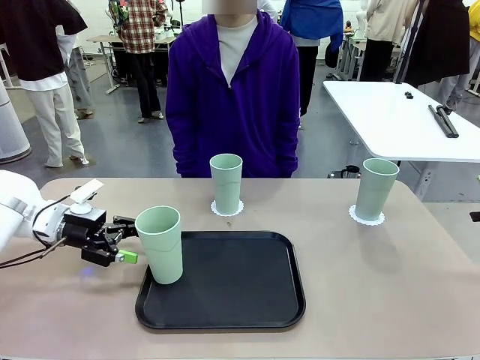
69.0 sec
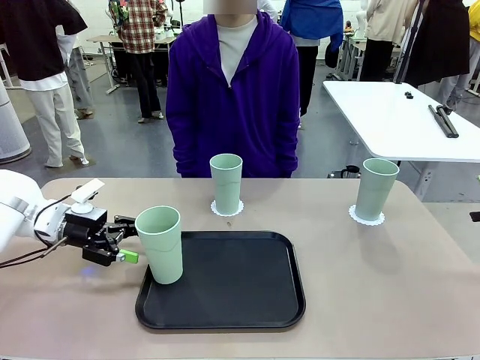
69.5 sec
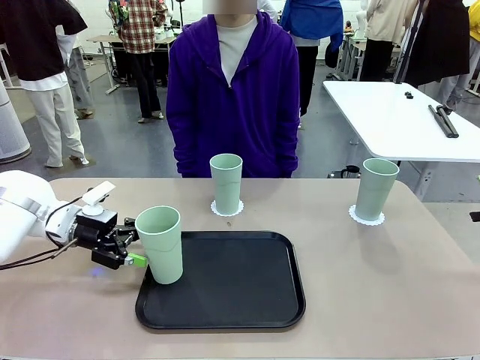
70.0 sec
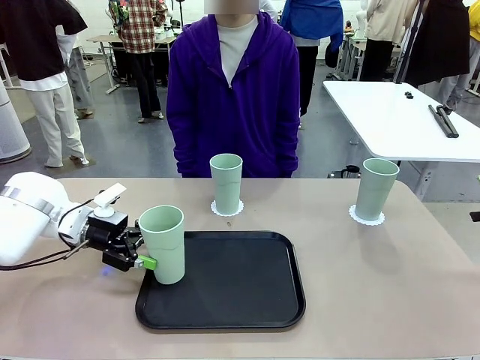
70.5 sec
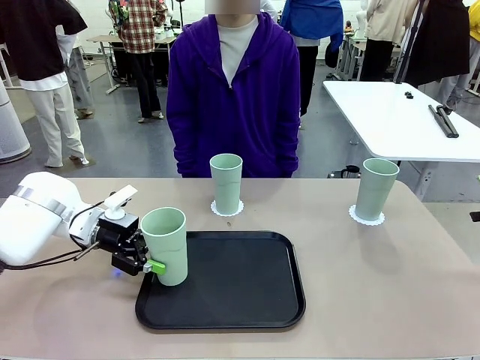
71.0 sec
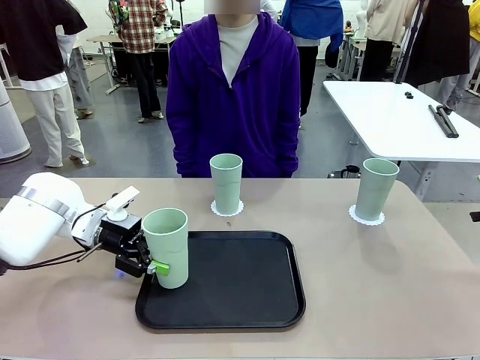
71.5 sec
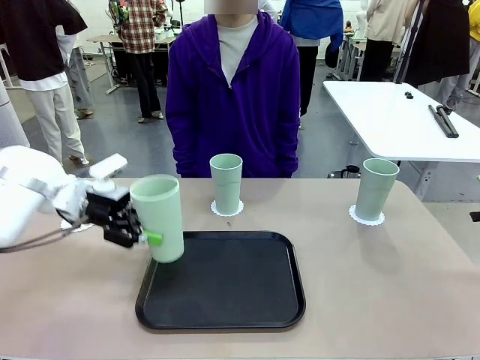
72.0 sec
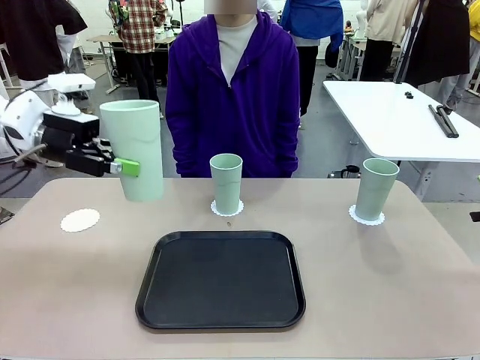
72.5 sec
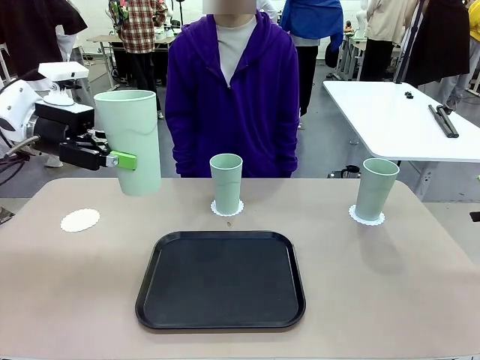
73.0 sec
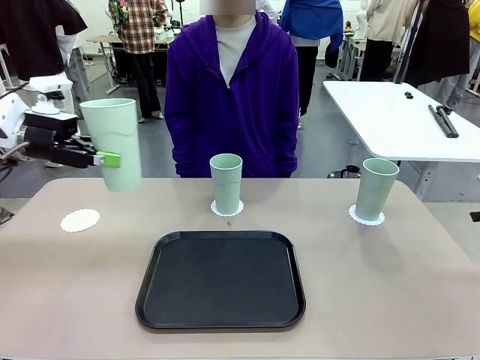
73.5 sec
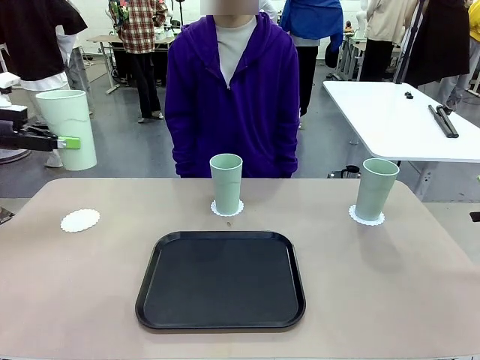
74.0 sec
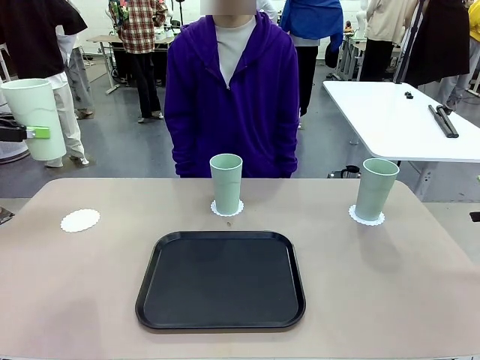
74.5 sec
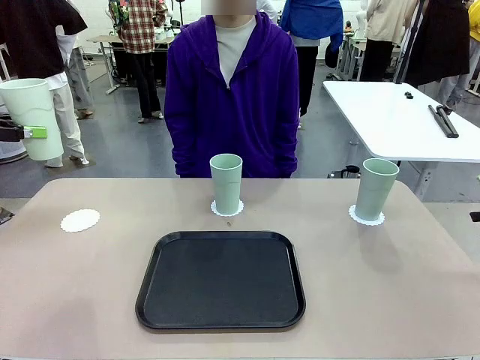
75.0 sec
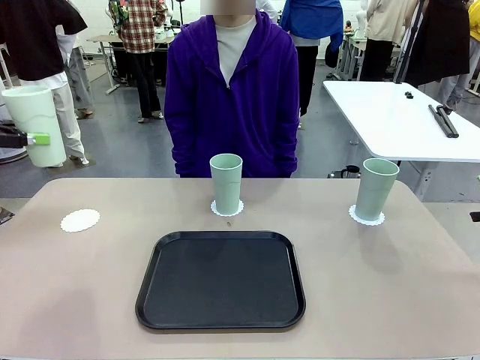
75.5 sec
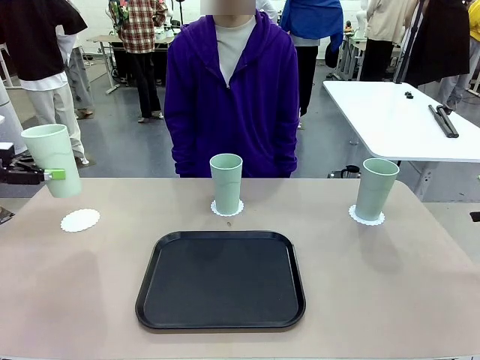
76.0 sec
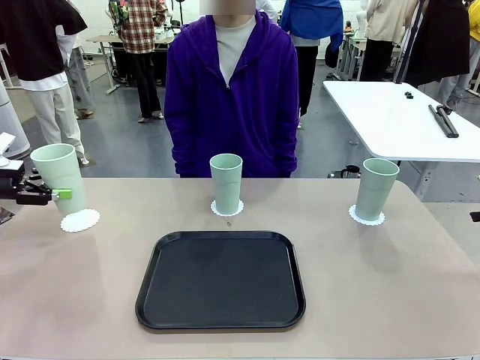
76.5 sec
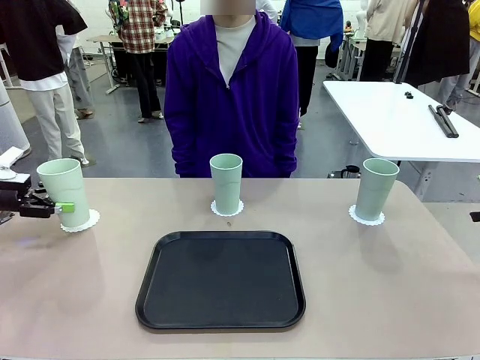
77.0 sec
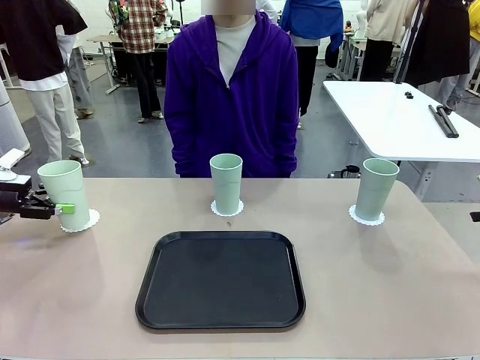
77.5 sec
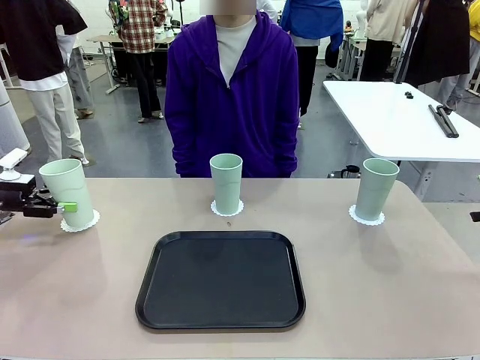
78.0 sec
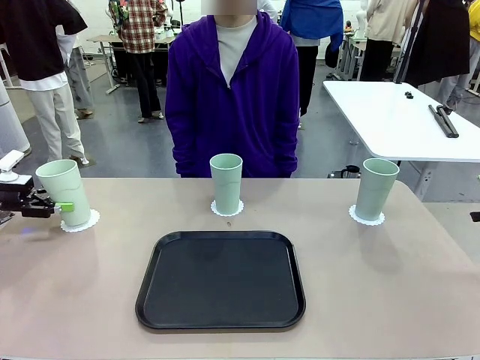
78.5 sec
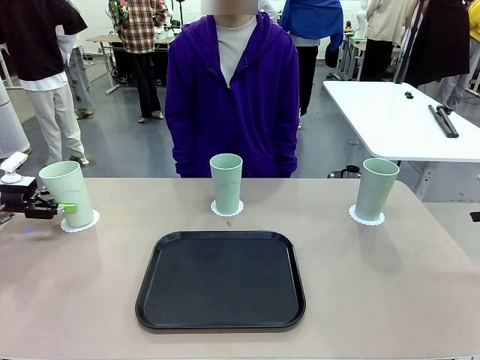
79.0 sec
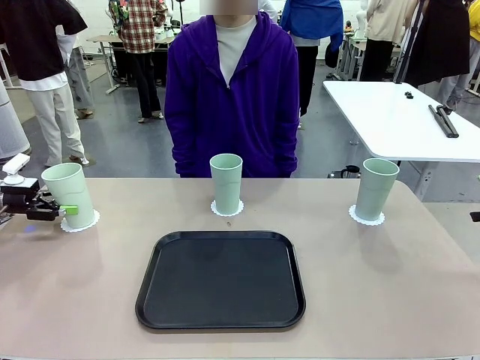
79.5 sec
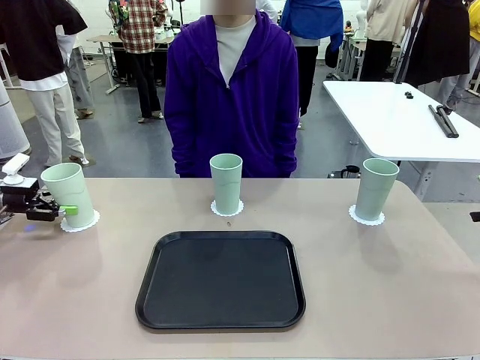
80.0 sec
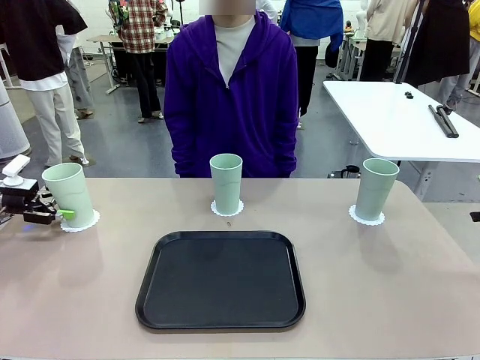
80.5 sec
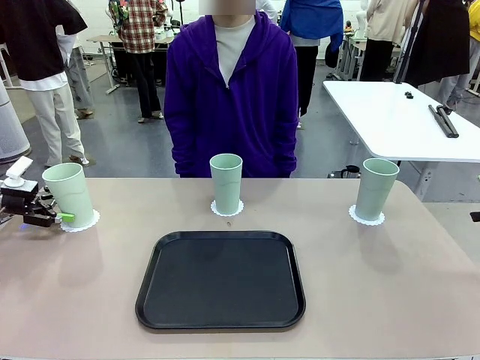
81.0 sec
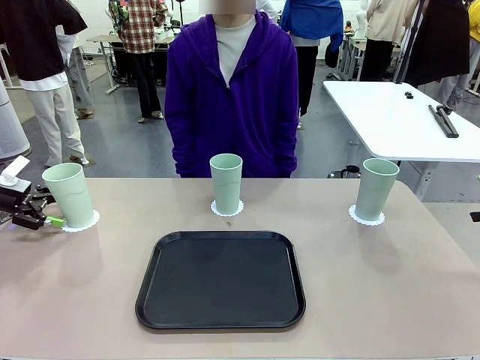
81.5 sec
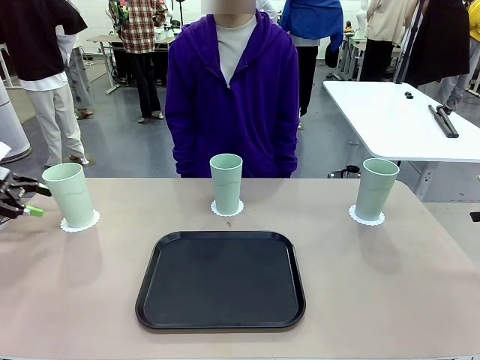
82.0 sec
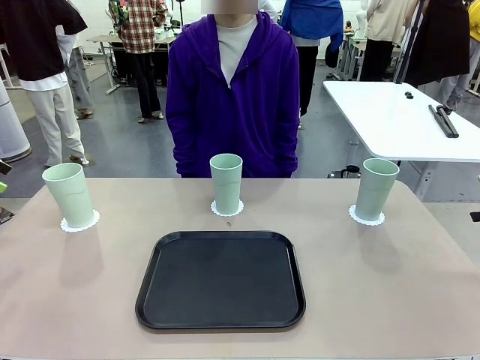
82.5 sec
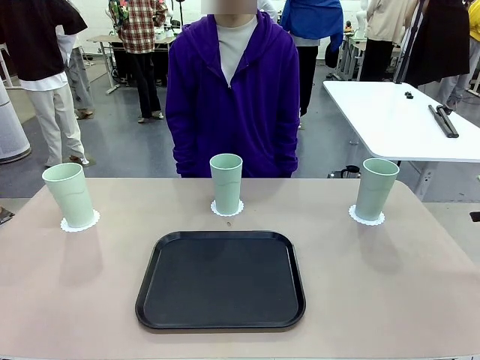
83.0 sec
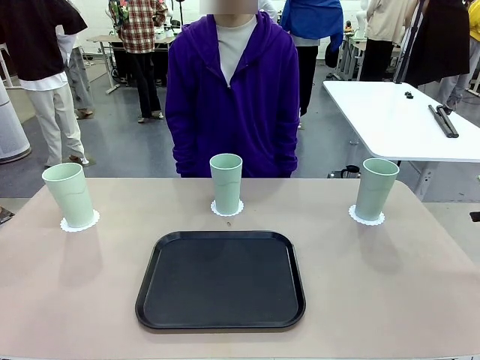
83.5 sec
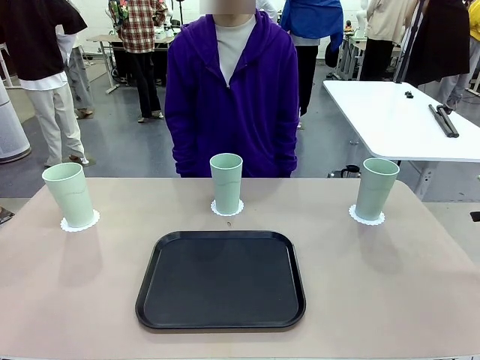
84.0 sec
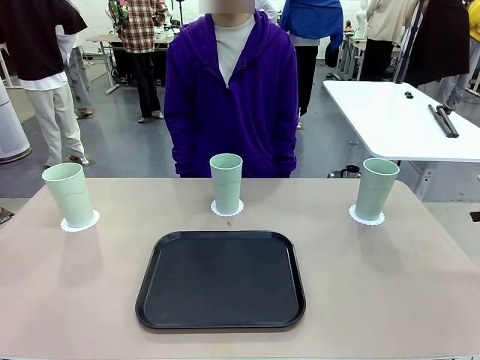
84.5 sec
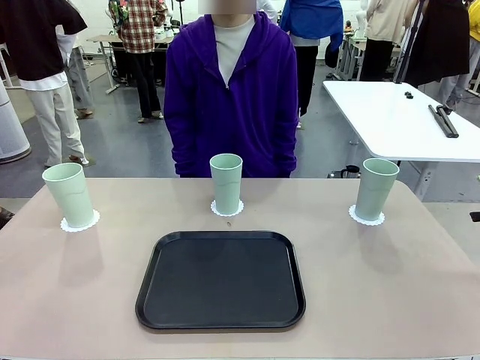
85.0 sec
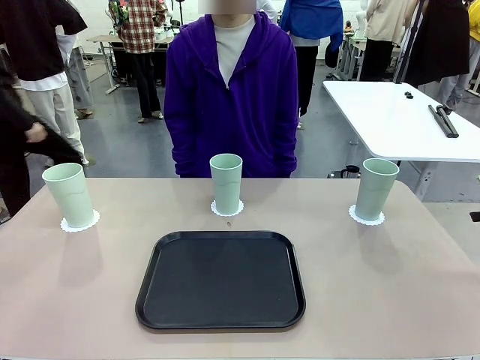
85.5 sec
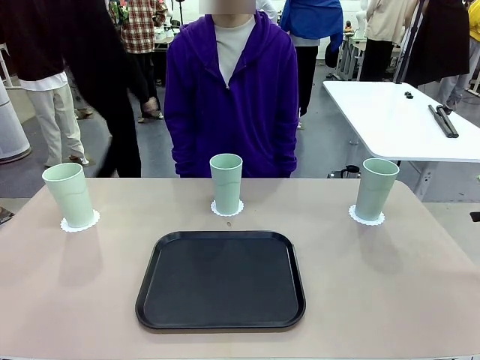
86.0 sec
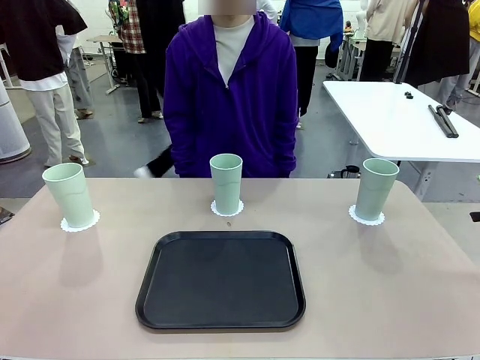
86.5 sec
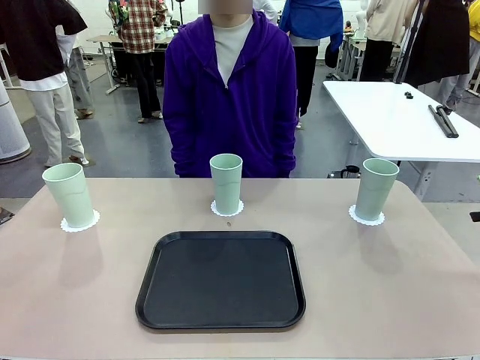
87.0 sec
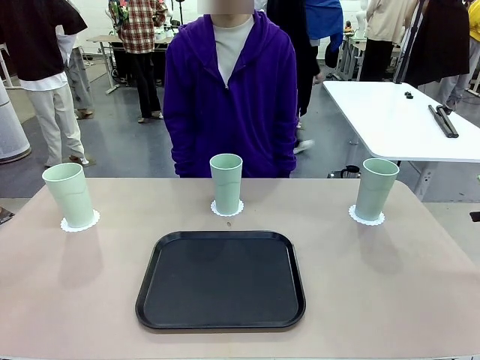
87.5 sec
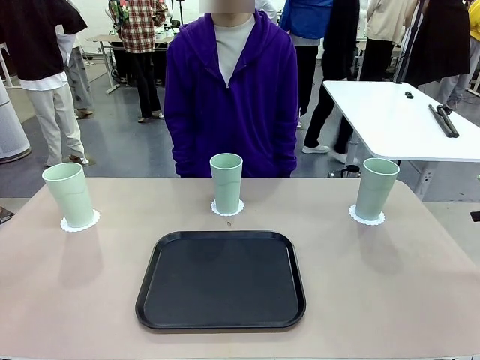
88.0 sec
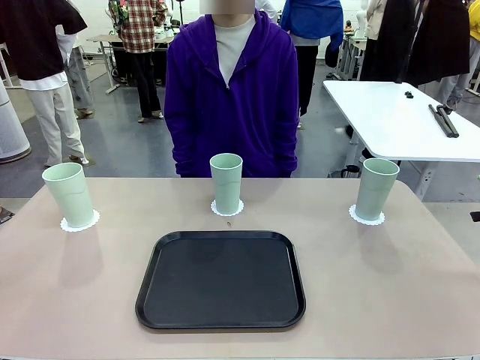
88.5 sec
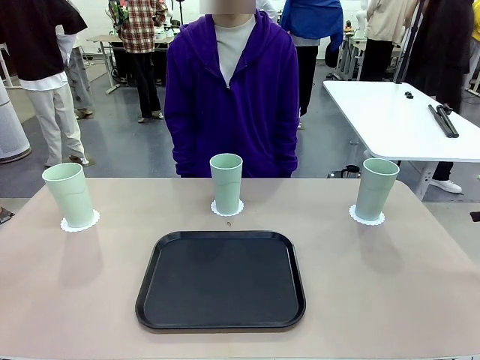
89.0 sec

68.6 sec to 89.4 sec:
Task: Place coasters on the table and set cups on them.
Robot: Take one Reusable plastic cup from the Flat Tray and place it on a coaster set by the human.

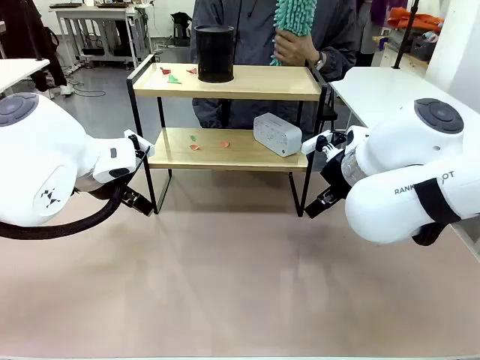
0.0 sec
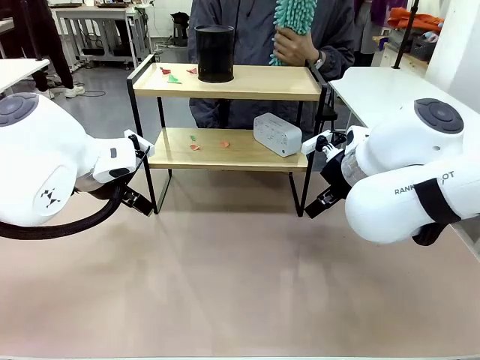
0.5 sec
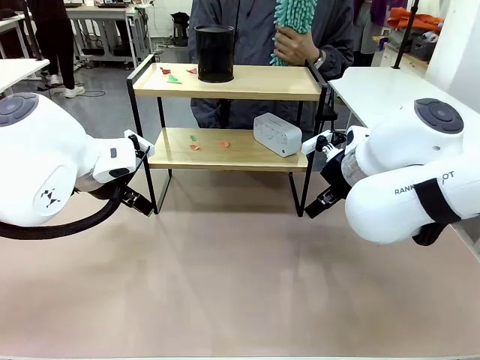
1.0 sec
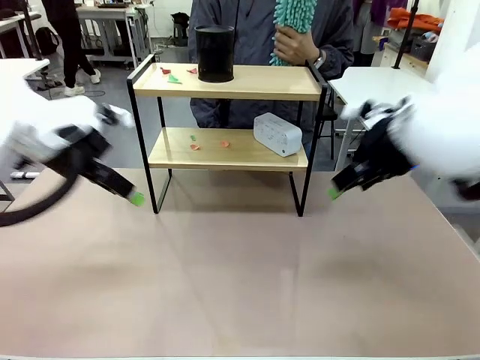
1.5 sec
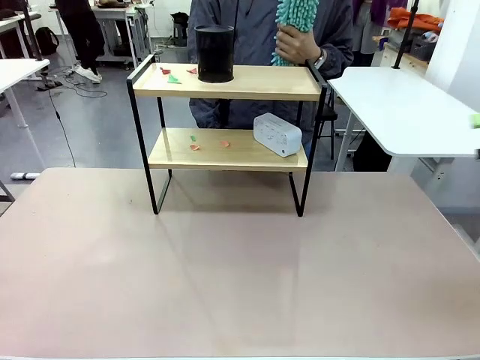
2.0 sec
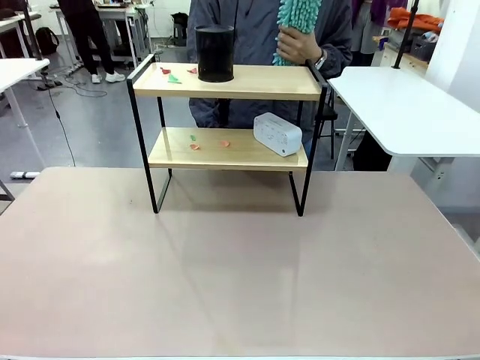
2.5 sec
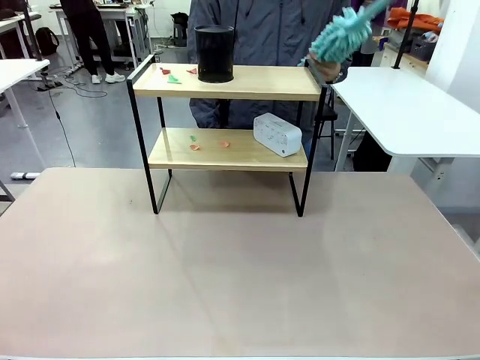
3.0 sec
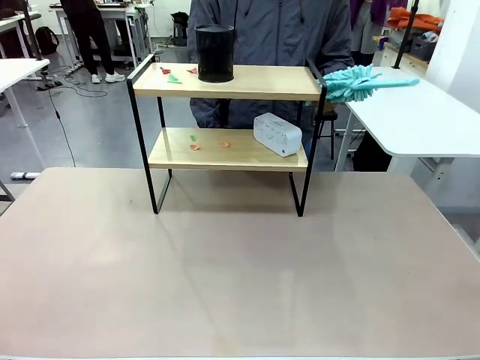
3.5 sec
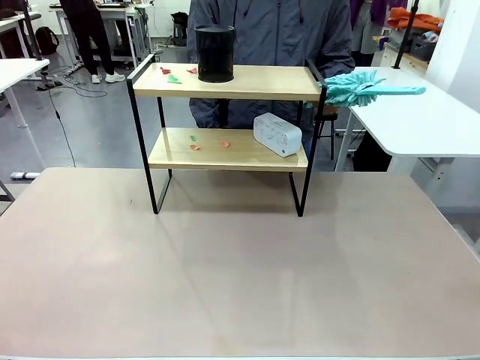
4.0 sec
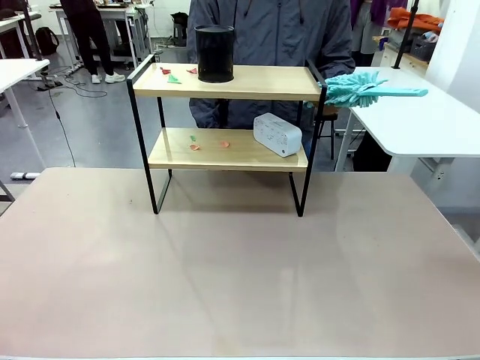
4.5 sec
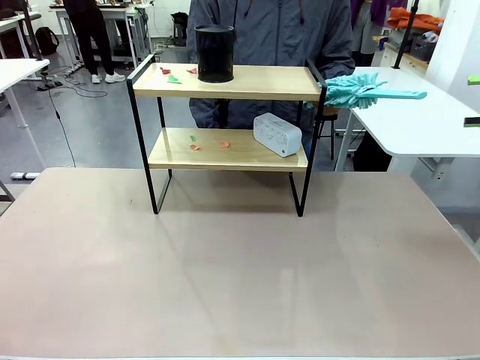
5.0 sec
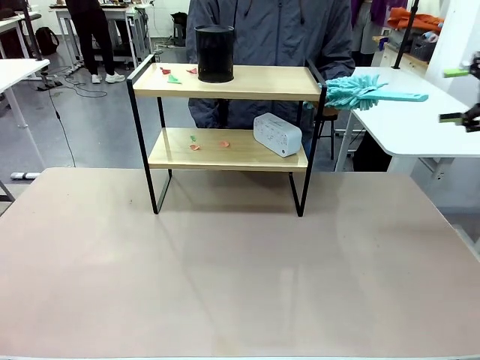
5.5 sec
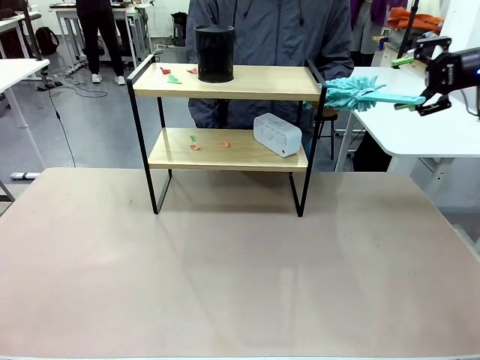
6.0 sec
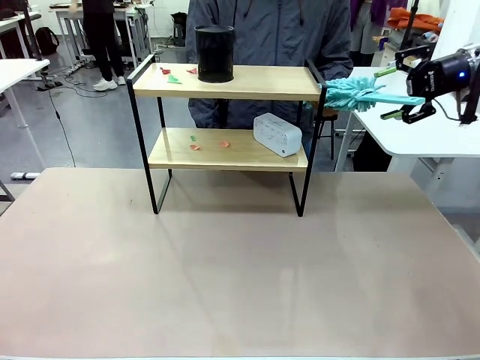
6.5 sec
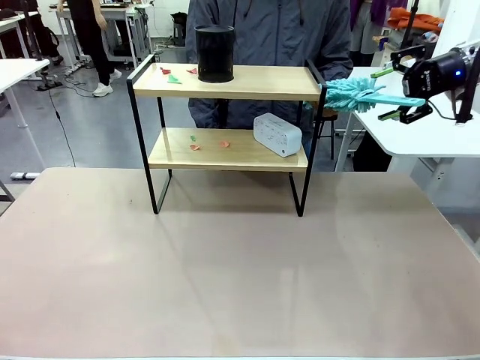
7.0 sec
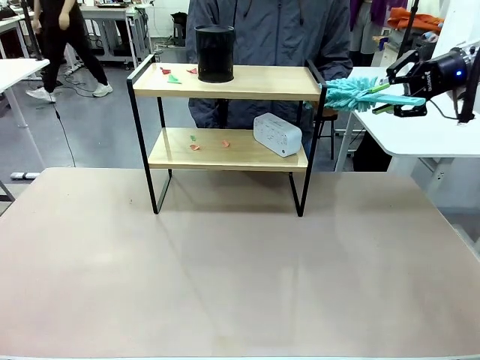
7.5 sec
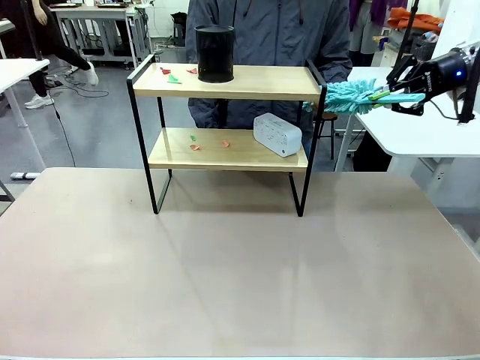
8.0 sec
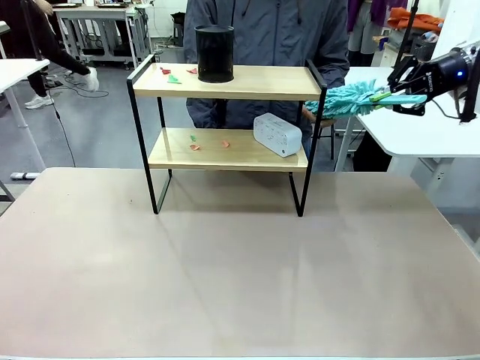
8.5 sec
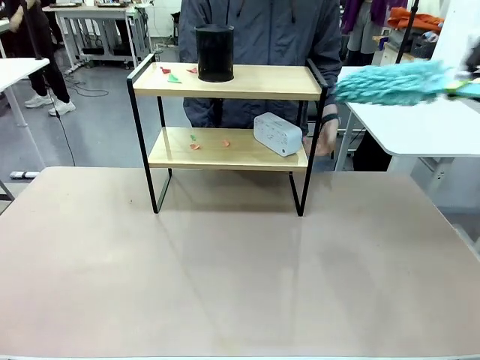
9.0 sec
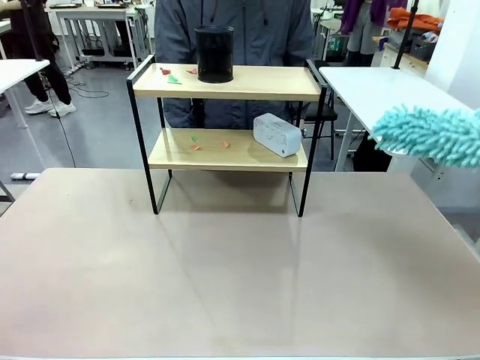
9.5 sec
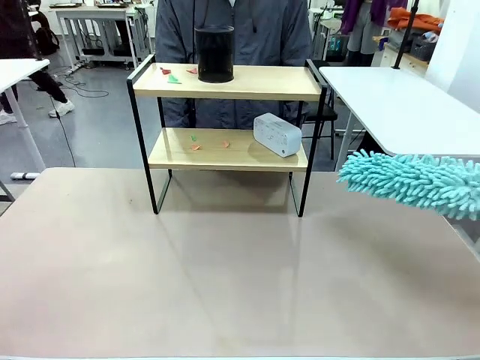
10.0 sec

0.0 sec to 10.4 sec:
Task: Clean the shelf.
Robot: Pick up the Duster from the human.
Person: Hand the Duster to the robot.
